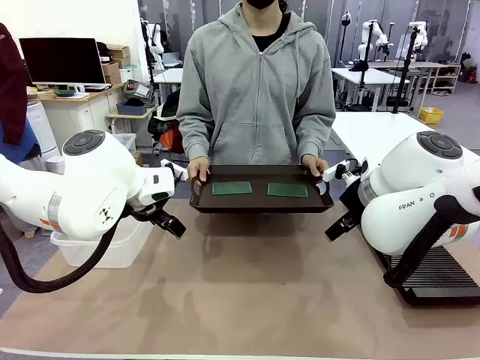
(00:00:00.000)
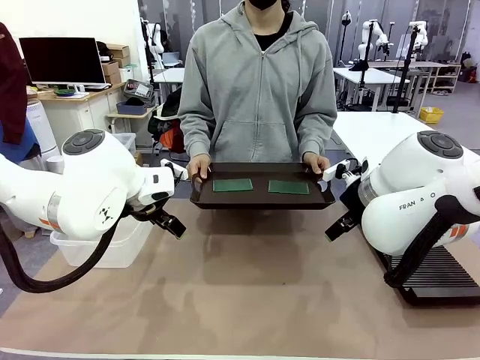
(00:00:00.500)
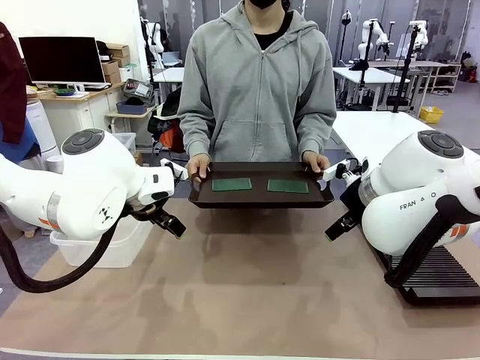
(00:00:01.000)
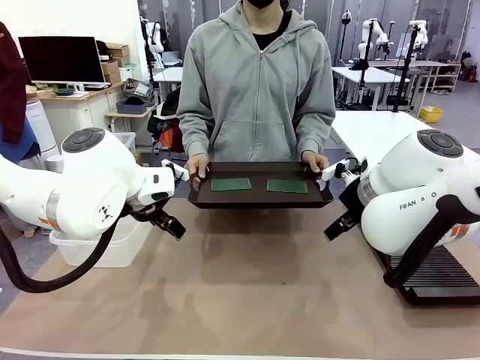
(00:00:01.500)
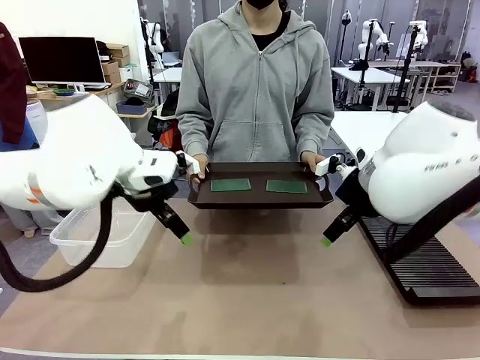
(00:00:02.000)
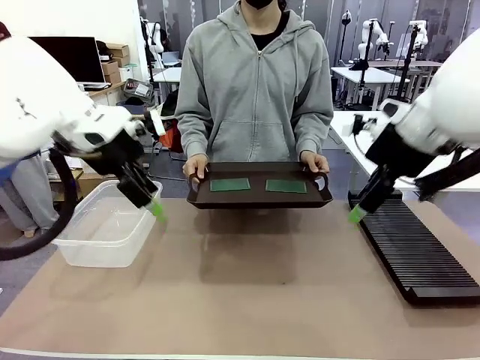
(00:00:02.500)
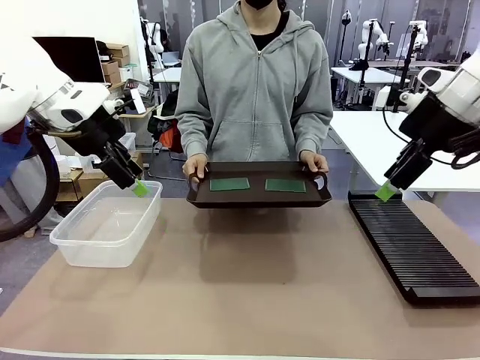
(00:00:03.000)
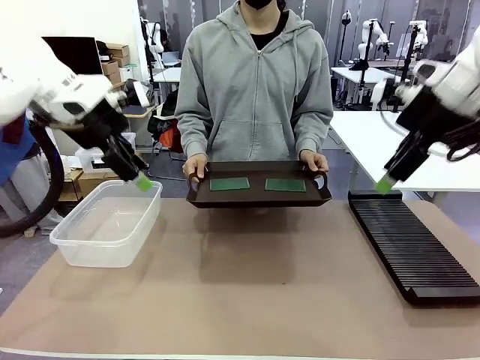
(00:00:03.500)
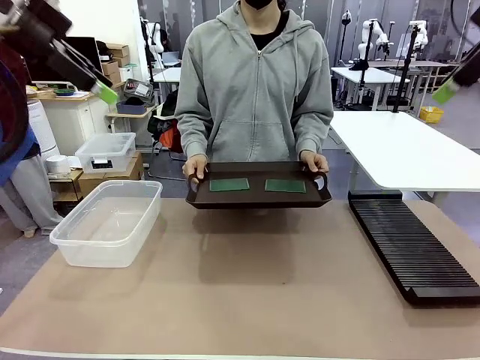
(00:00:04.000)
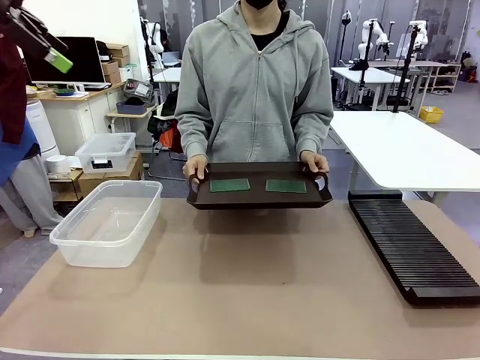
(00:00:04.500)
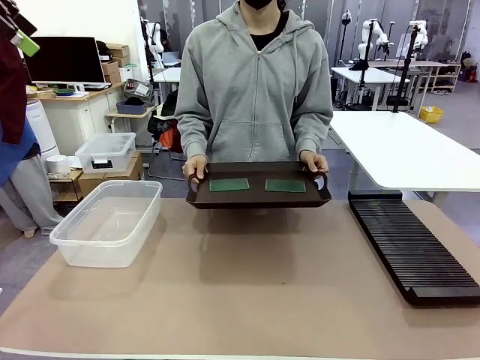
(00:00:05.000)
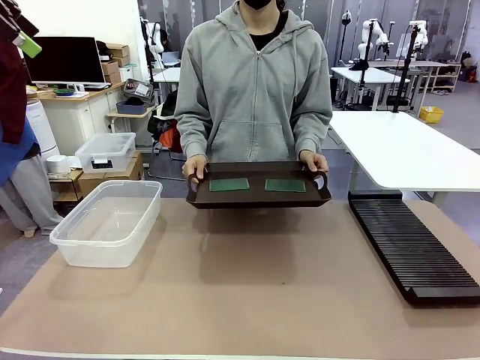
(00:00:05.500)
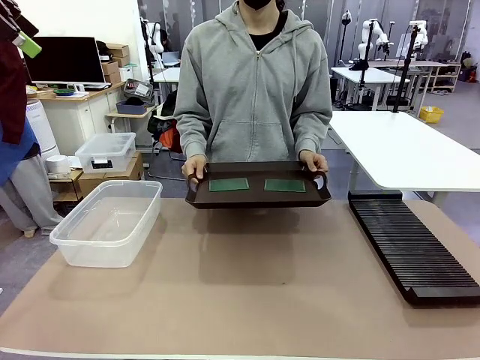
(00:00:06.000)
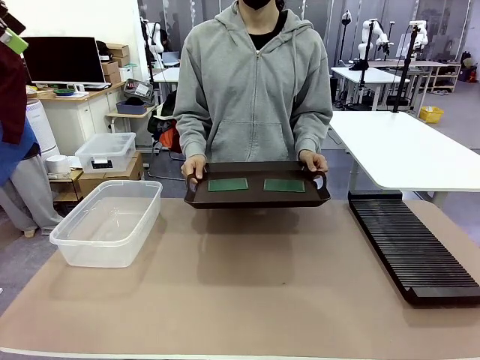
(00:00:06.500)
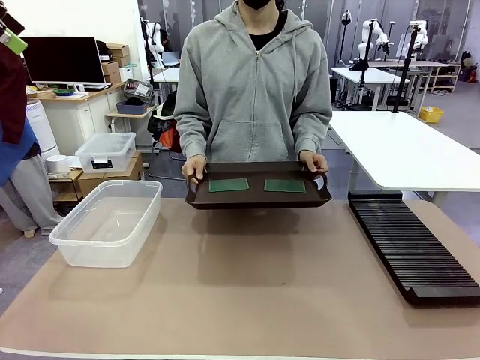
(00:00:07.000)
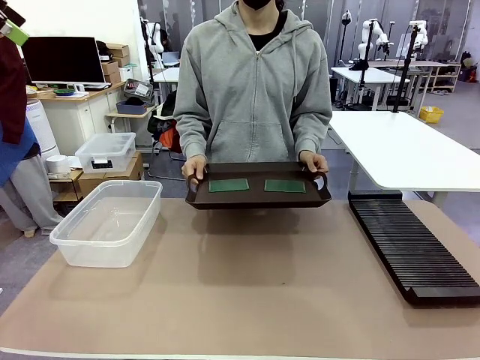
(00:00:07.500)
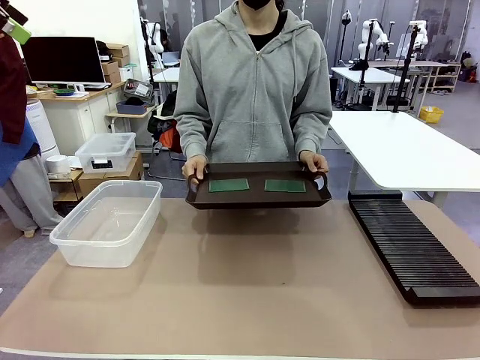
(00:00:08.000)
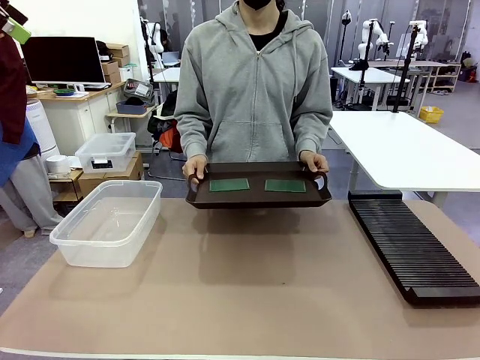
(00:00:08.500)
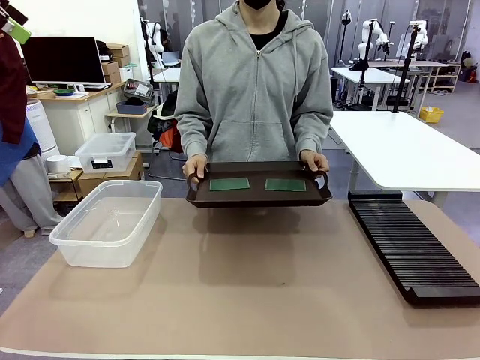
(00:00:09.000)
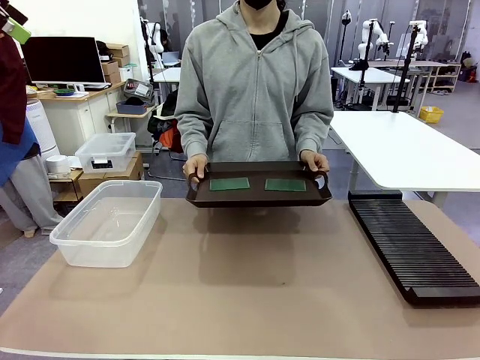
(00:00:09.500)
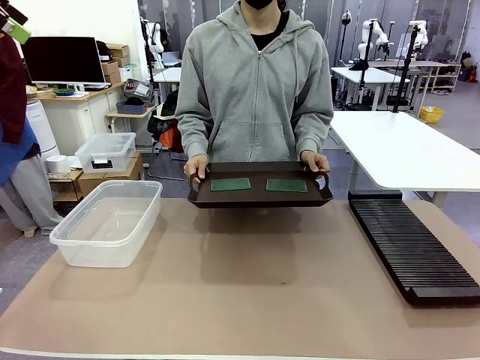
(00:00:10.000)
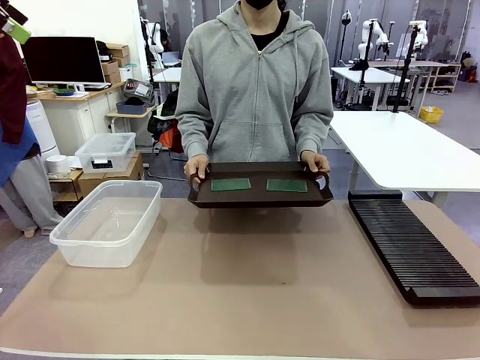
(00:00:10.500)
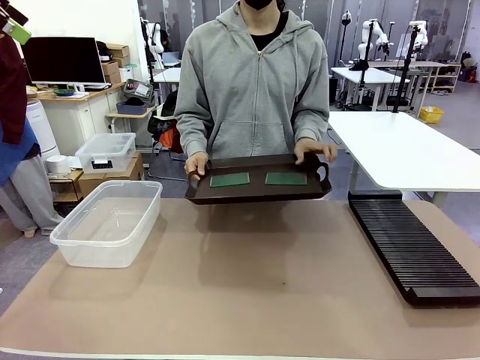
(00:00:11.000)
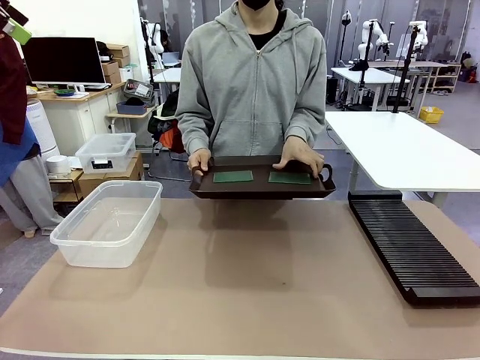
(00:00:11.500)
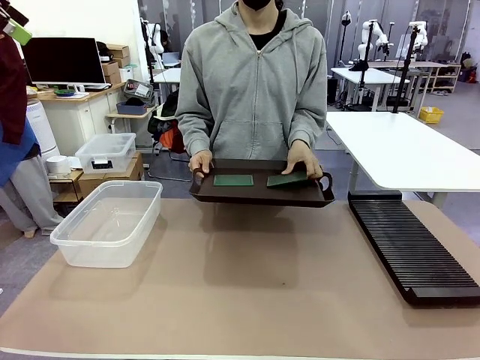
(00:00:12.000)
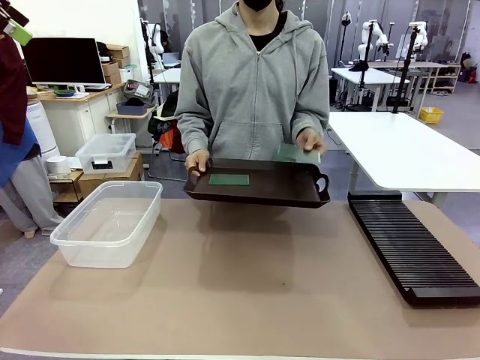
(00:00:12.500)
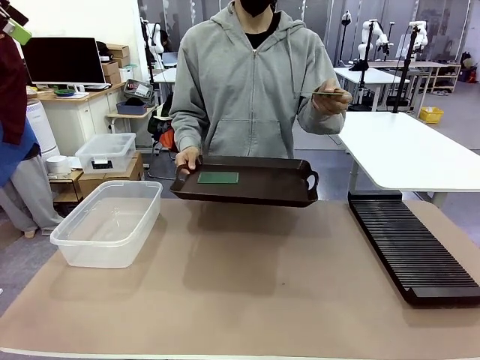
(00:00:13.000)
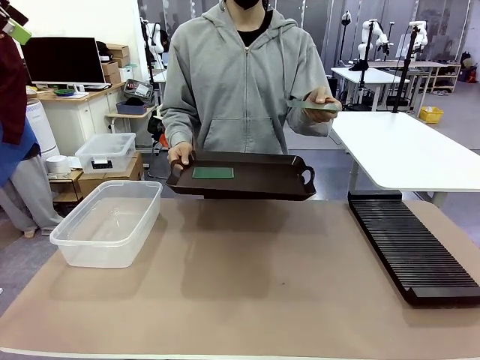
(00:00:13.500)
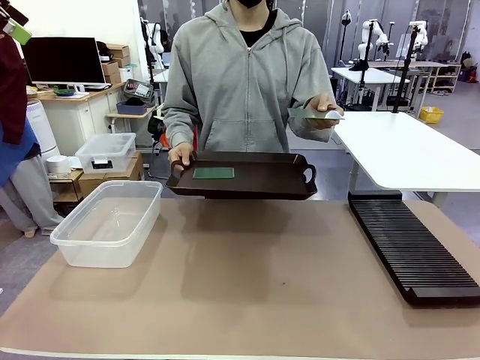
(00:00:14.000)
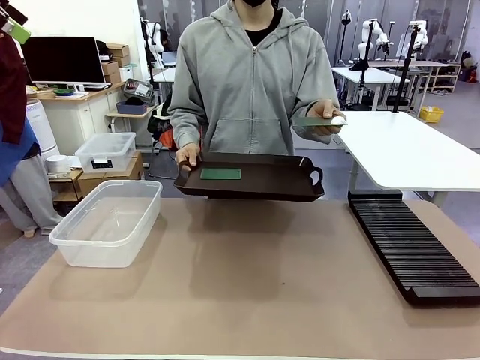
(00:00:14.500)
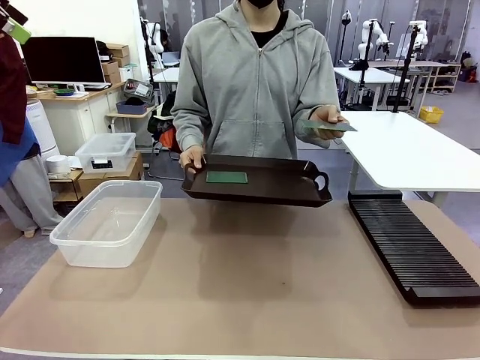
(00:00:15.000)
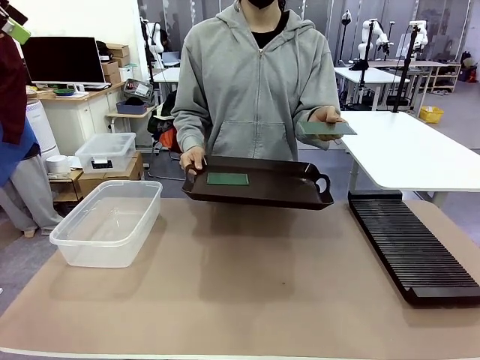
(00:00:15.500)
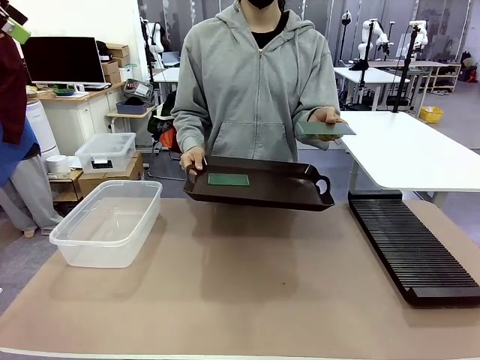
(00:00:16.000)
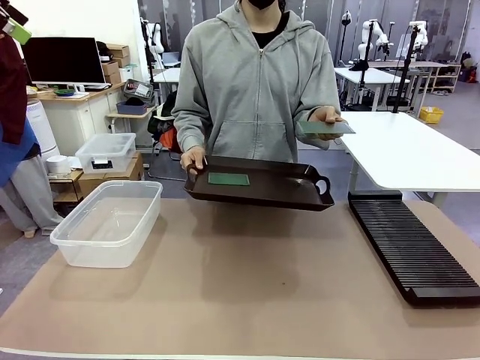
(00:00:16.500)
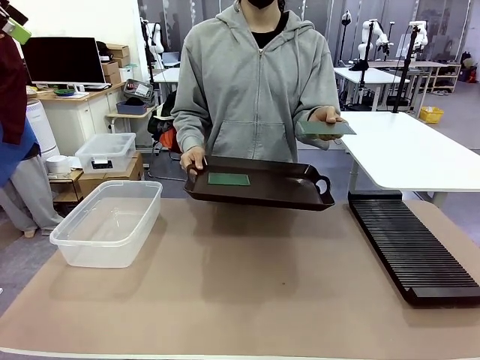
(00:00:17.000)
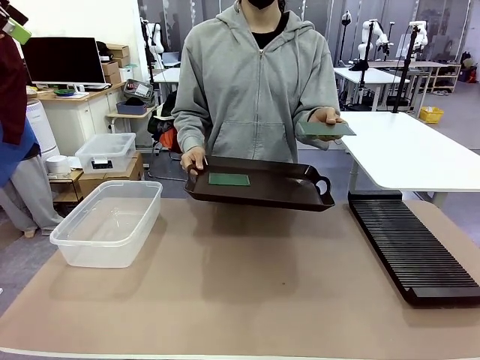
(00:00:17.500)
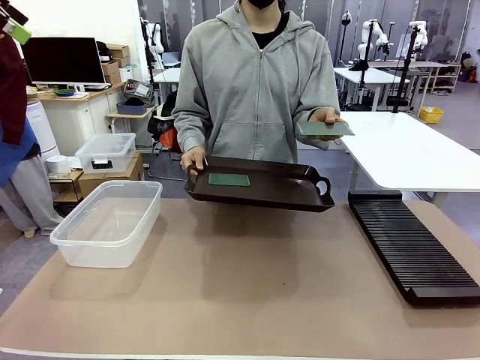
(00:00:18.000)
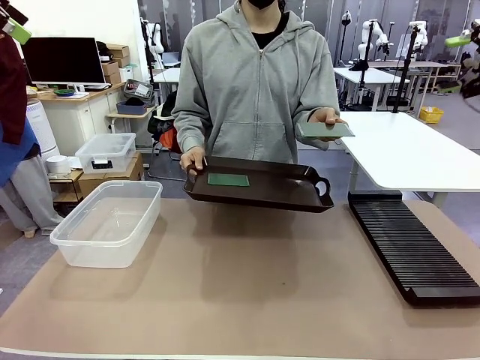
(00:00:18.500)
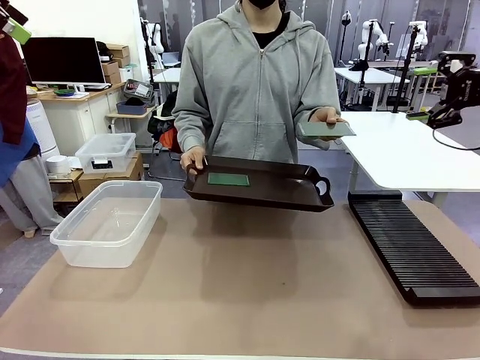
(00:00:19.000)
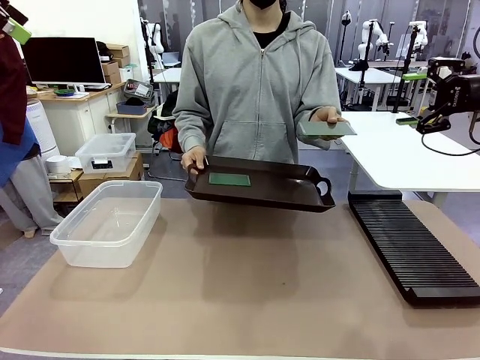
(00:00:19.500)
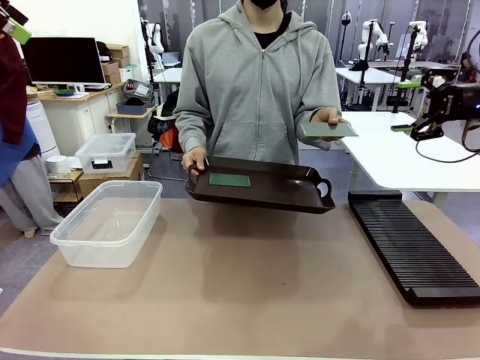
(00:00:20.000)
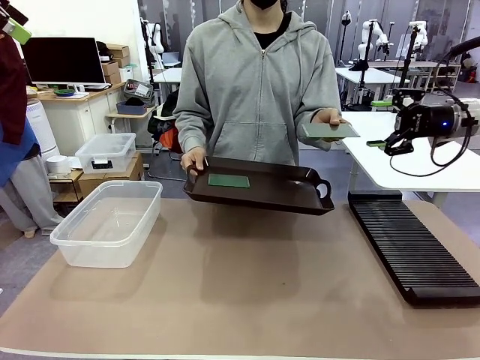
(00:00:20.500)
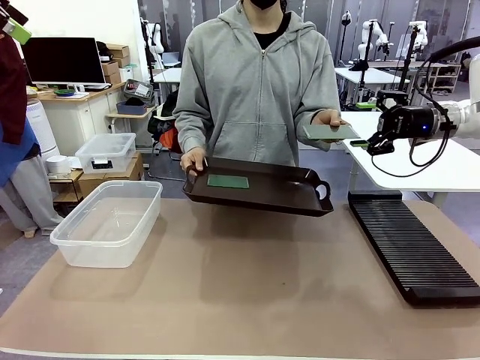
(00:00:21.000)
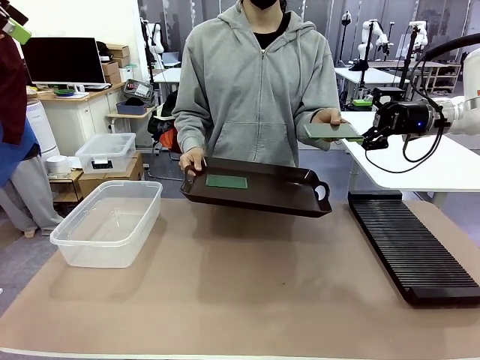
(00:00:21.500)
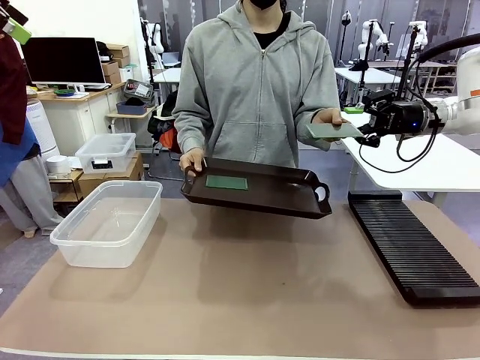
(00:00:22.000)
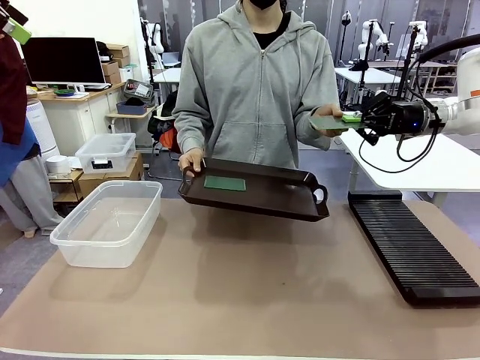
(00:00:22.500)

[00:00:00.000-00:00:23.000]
Task: Sort PCBs into racks and boxes based on the side picked up.
Robot: Pick up the Blank PCB handed by the Human.
Person: Pick one PCB from the tray and present it to the robot. Release the PCB being held.
